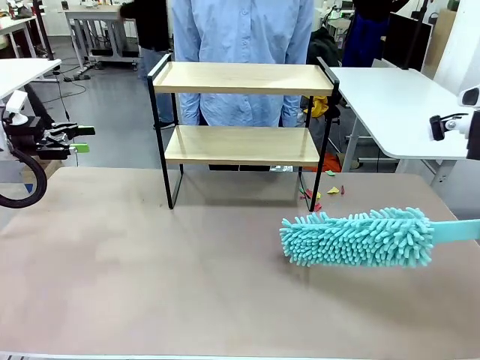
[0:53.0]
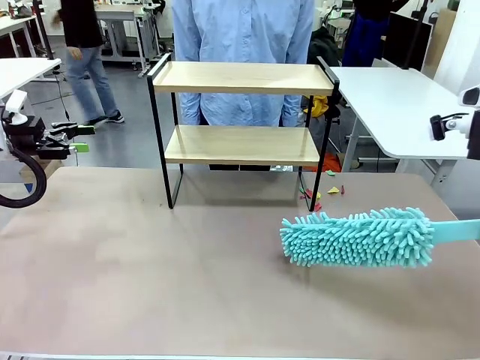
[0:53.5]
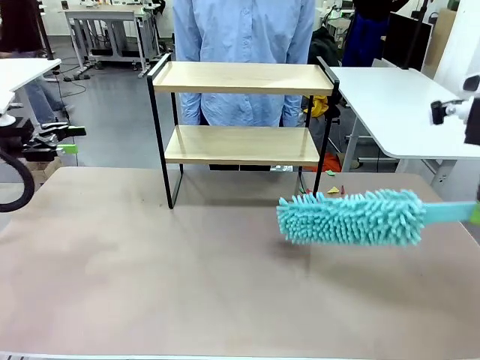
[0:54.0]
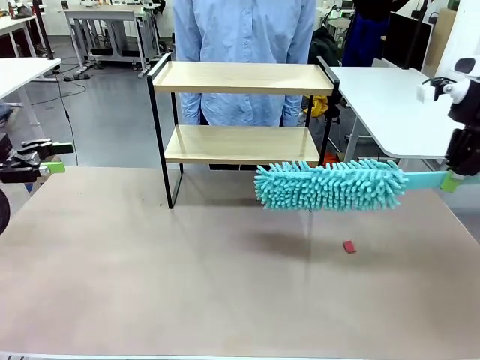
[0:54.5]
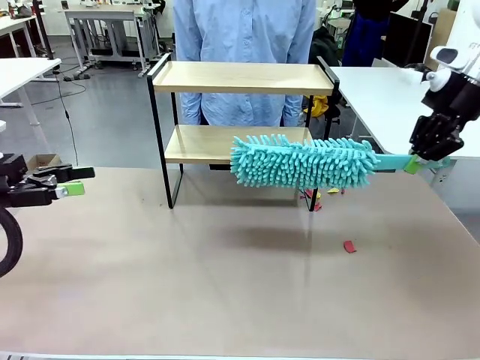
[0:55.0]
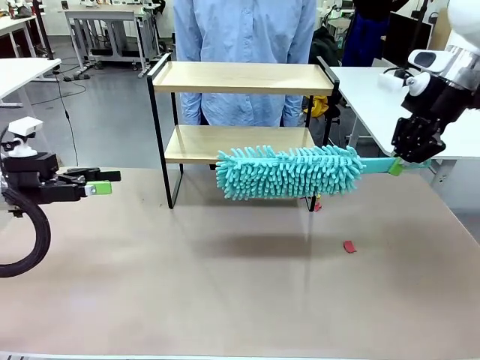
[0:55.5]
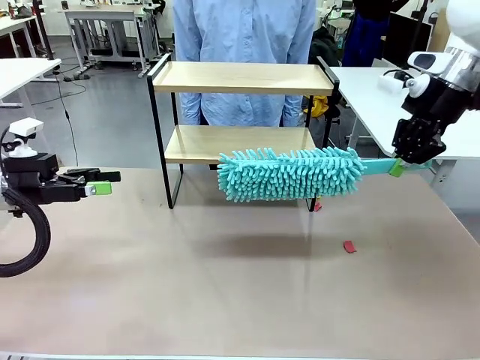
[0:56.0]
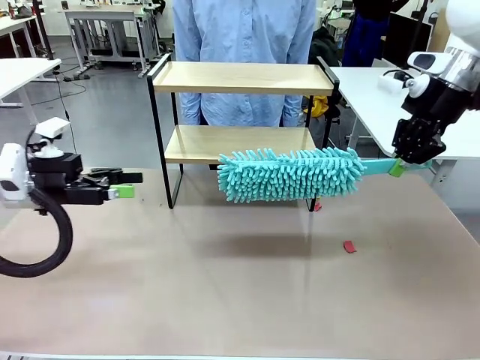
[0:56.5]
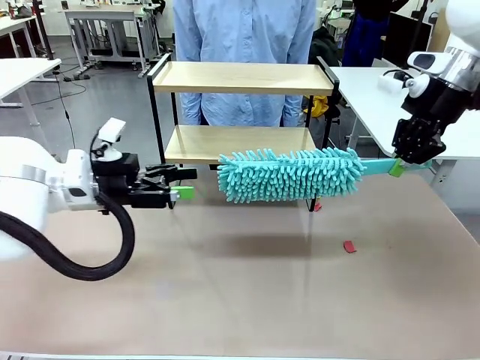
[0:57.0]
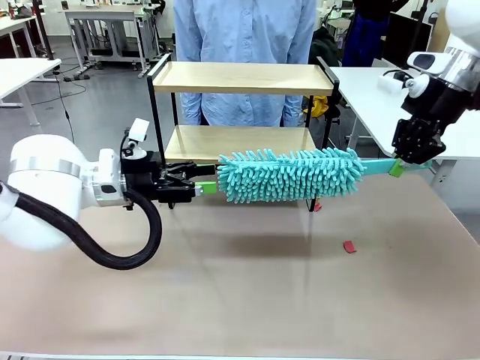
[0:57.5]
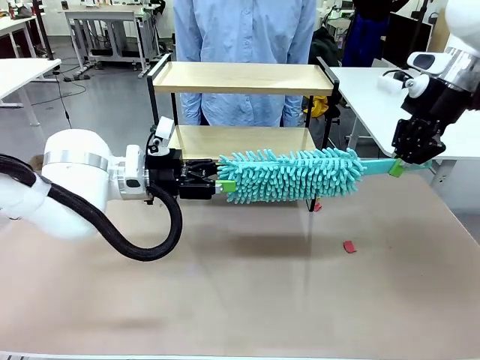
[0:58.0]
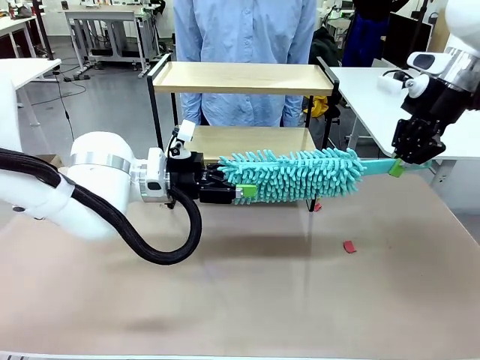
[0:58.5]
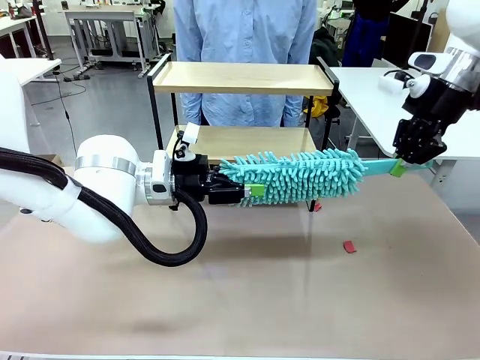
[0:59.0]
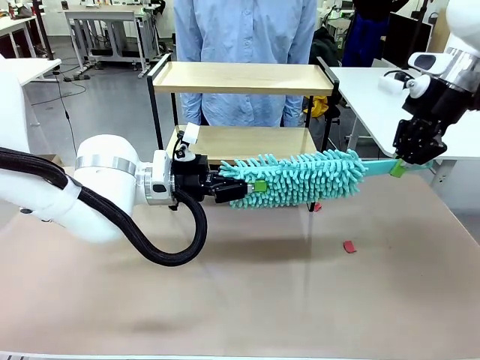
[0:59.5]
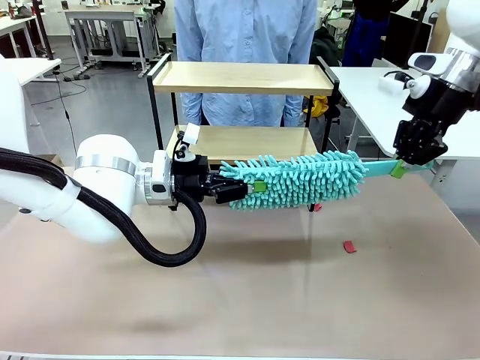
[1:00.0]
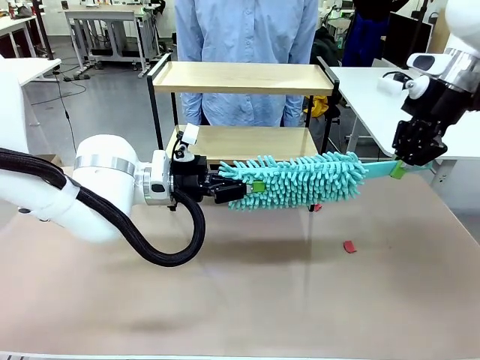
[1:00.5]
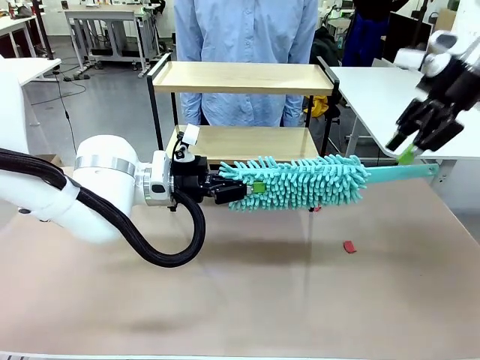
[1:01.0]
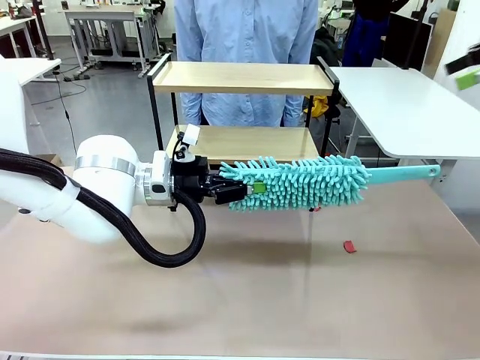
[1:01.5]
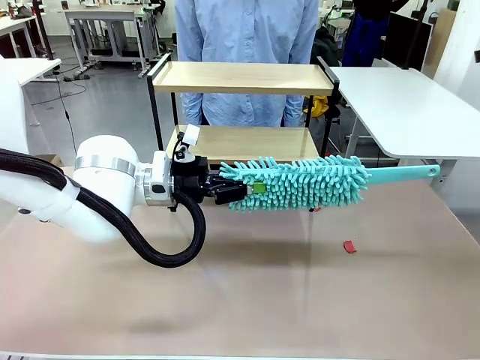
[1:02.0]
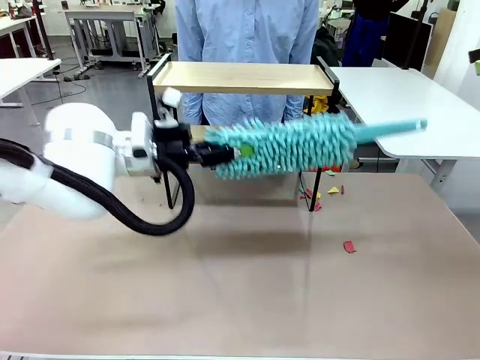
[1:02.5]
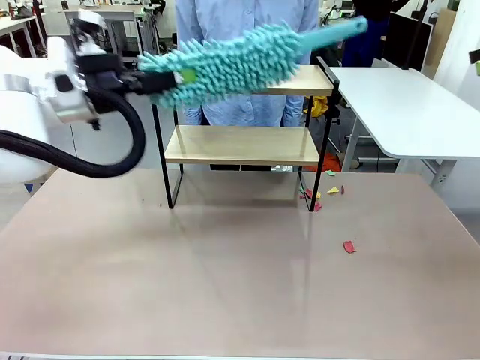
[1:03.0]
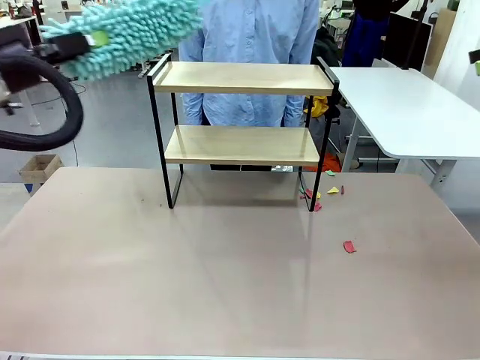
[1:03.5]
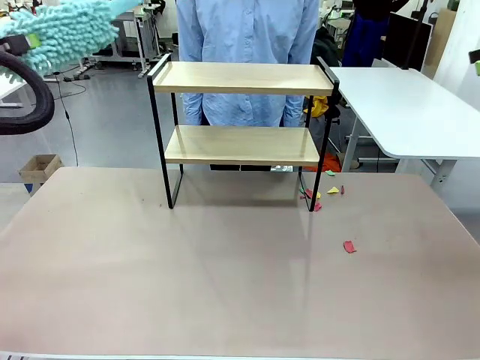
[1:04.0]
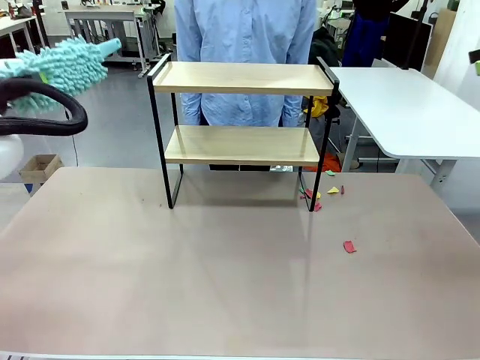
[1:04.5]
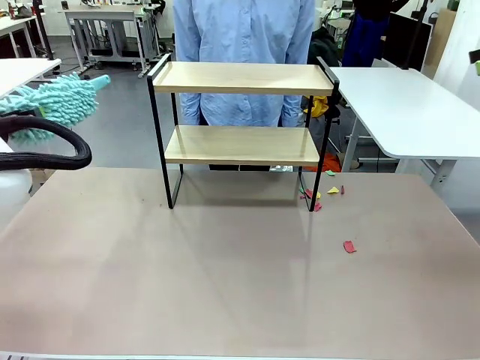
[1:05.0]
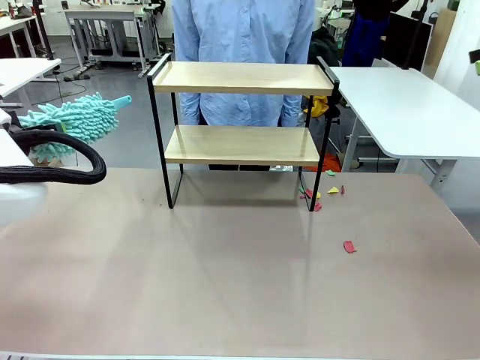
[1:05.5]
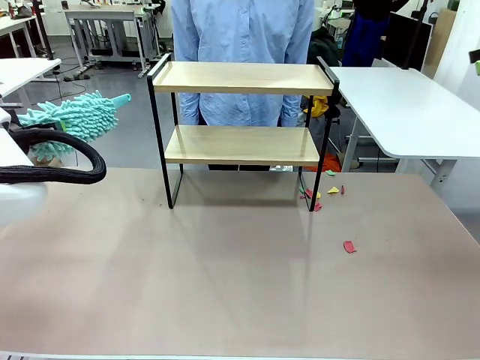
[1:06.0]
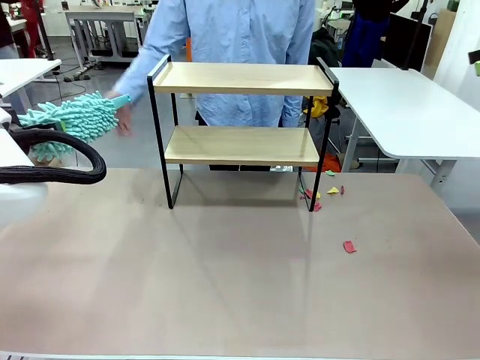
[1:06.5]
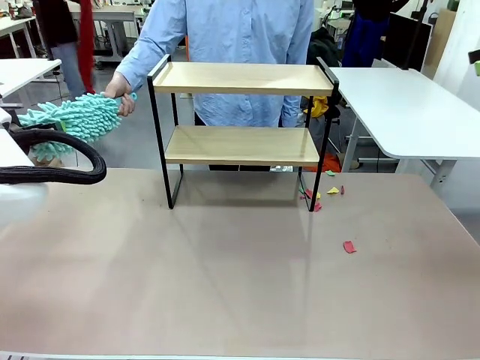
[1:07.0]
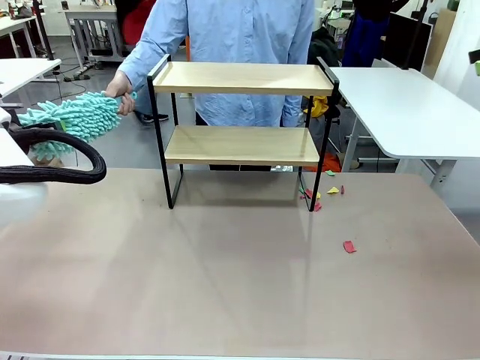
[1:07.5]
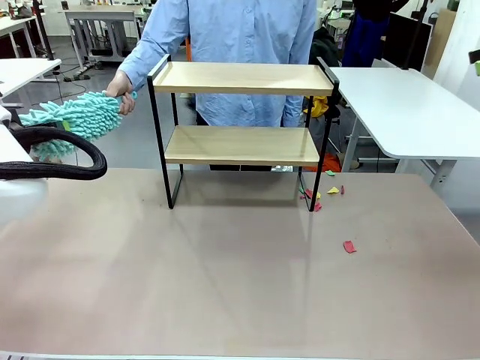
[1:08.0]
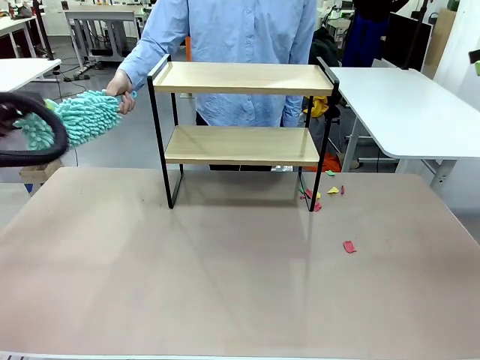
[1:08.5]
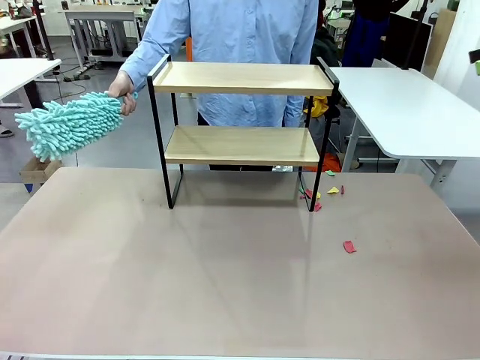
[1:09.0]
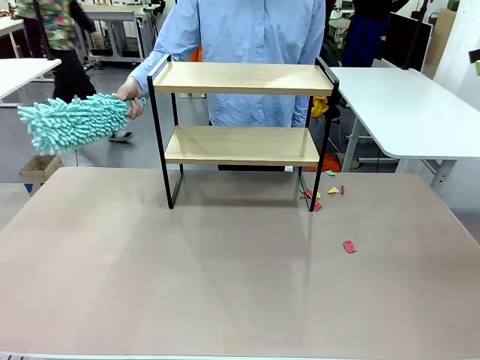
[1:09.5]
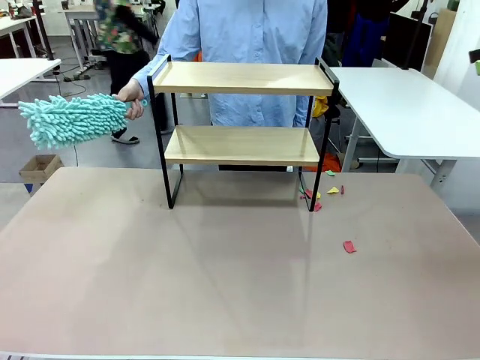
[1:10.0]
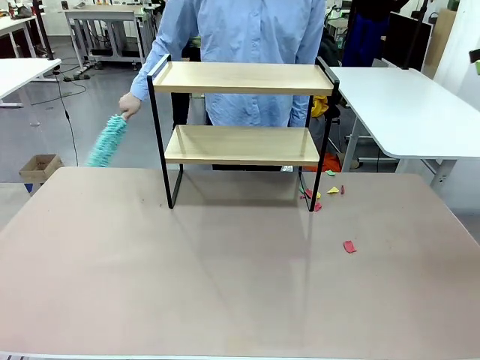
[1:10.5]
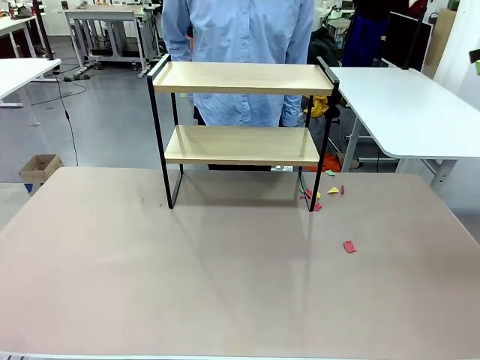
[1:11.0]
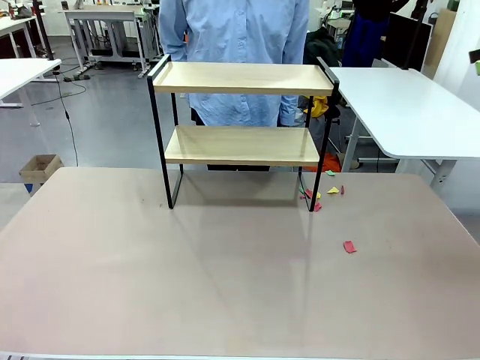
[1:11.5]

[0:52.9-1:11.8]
Task: Clean the shelf.
Robot: Hand the Duster back to the human.
Person: Receive the Duster from the robot.

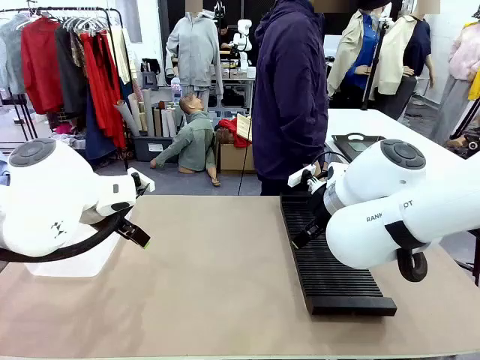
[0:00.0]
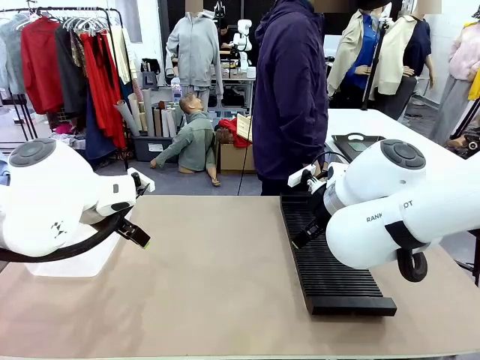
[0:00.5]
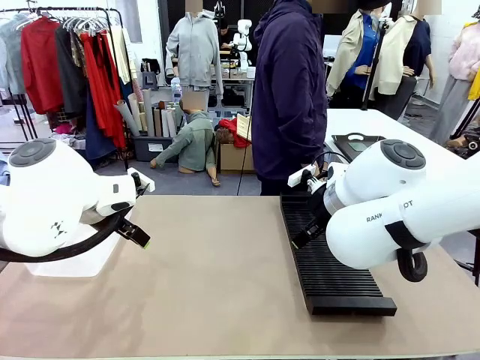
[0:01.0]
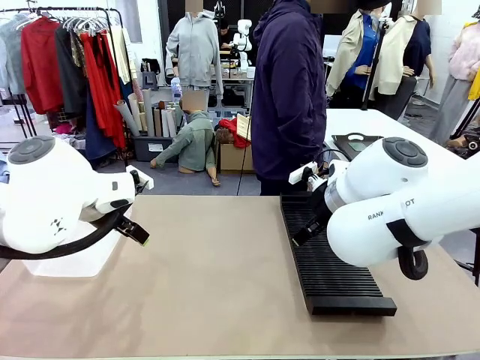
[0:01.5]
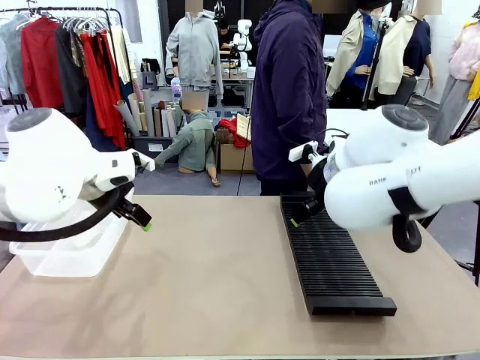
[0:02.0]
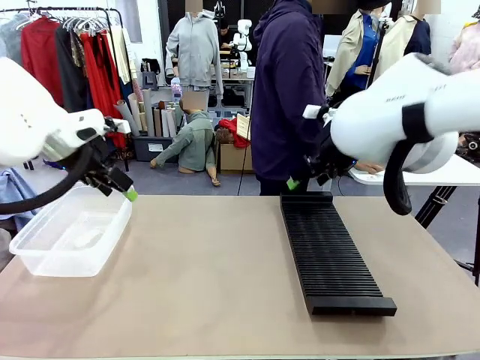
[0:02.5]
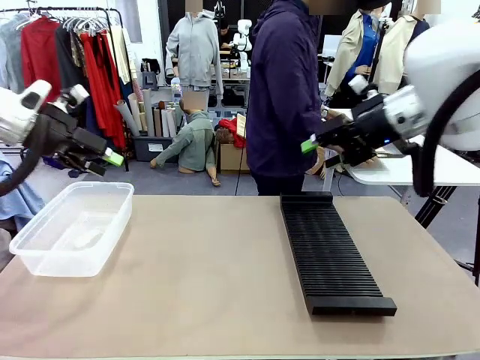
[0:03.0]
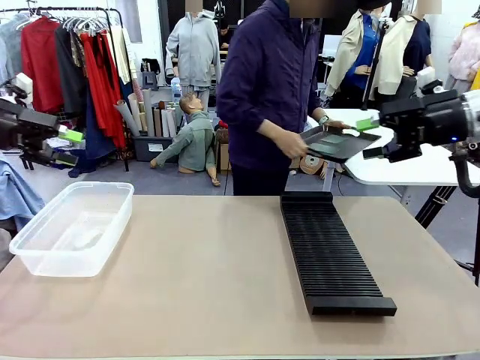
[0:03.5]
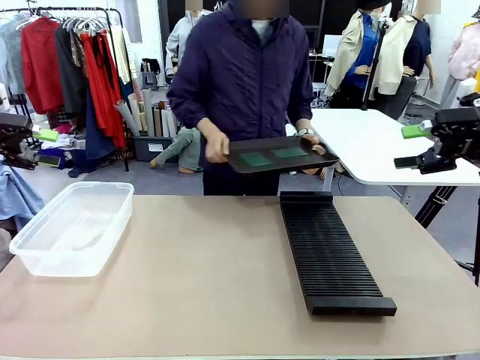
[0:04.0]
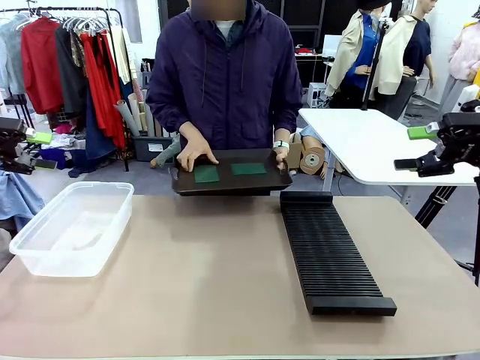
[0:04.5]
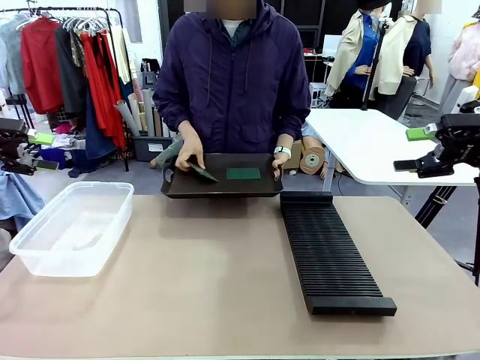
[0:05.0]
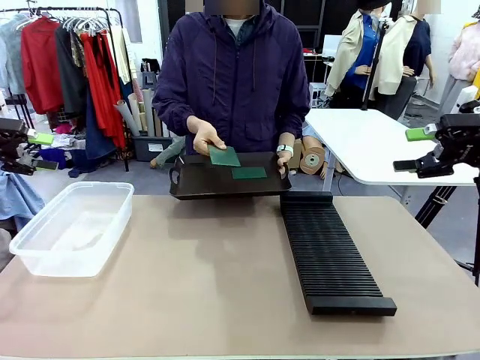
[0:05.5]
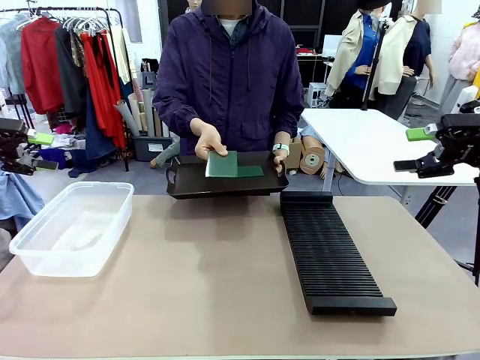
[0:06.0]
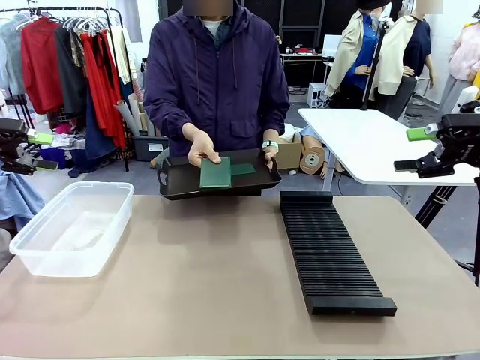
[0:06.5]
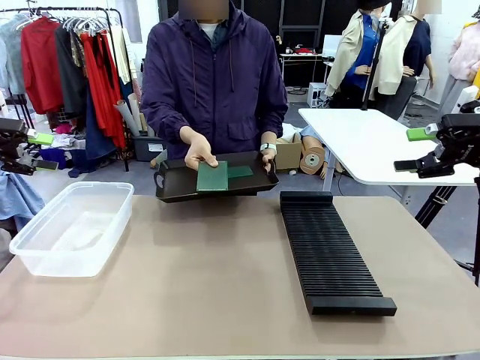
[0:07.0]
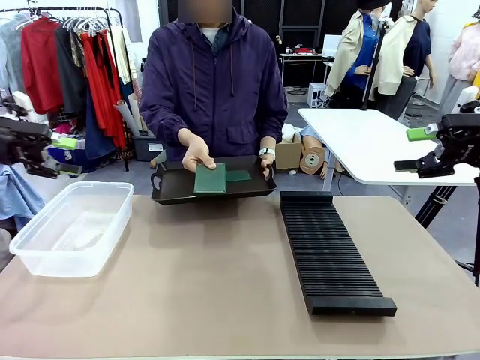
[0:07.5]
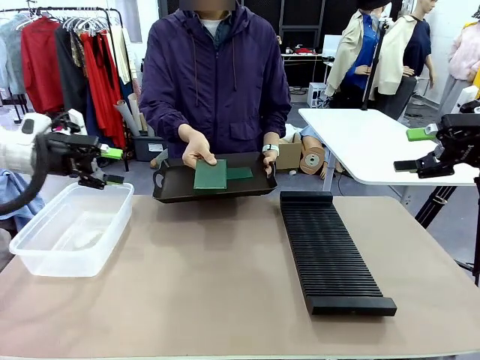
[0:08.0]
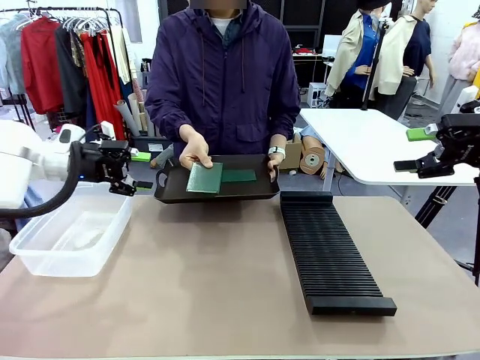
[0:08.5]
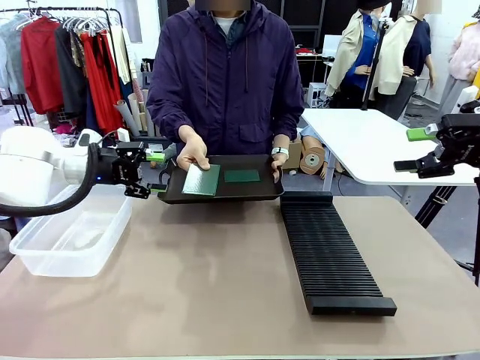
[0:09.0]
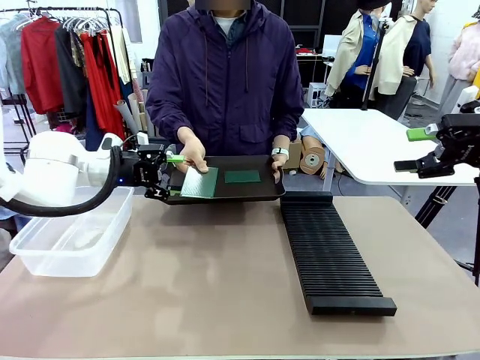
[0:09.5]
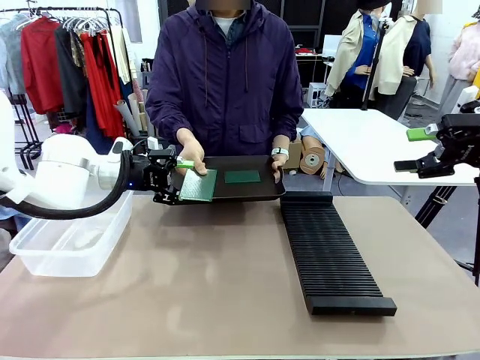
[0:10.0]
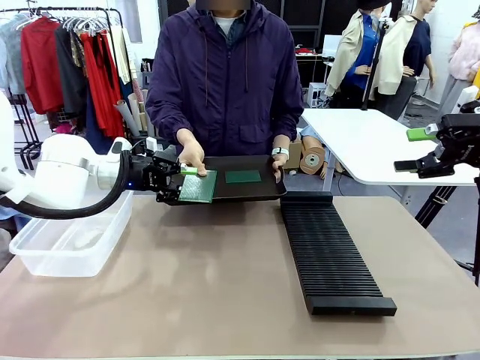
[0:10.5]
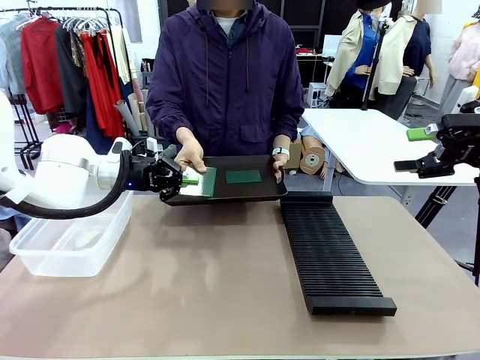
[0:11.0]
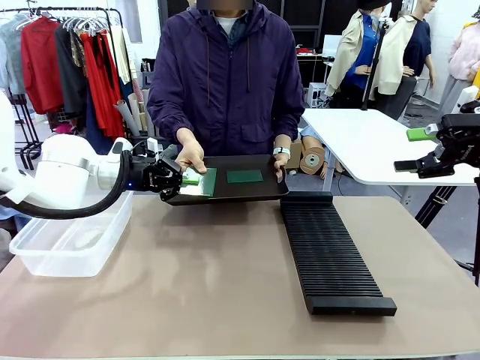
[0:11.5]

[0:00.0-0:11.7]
Task: Sort PCBs into racks and boxes based on the side picked up.
Robot: Pick up the Blank PCB handed by the Human.
Person: Pick one PCB from the tray and present it to the robot. Release the PCB being held.
